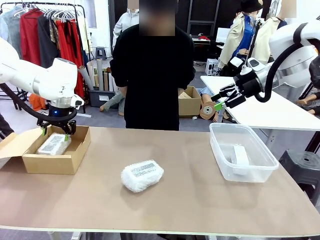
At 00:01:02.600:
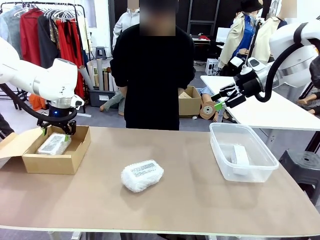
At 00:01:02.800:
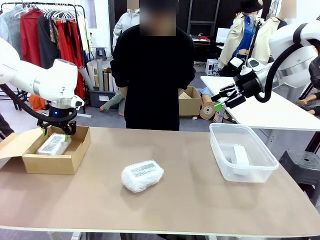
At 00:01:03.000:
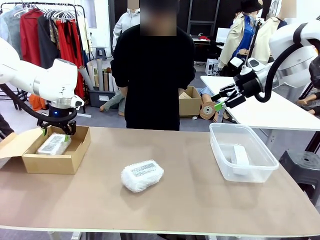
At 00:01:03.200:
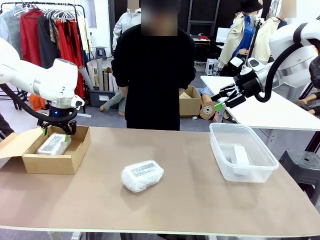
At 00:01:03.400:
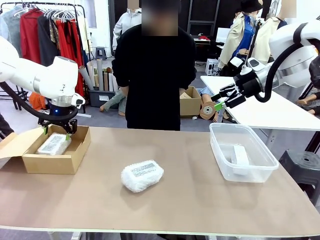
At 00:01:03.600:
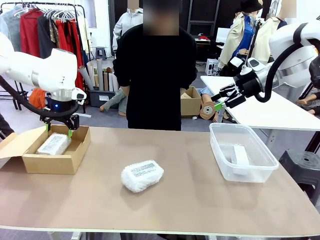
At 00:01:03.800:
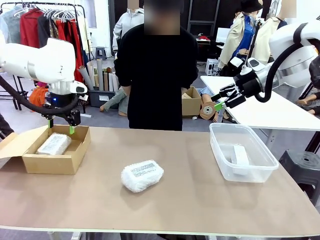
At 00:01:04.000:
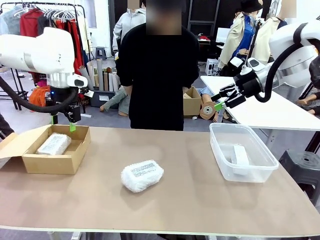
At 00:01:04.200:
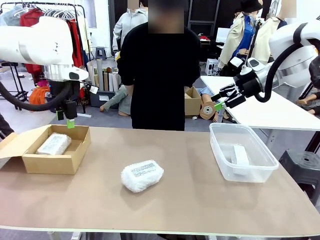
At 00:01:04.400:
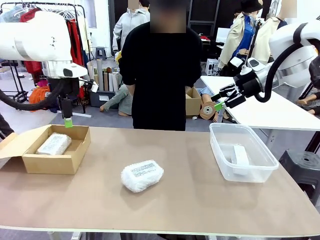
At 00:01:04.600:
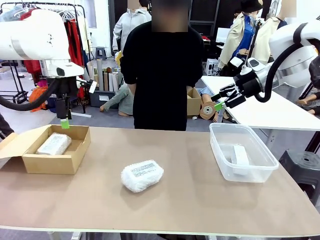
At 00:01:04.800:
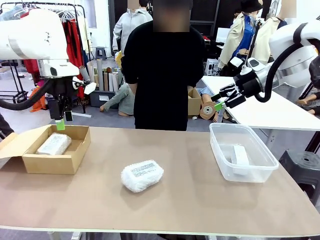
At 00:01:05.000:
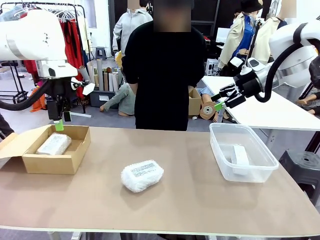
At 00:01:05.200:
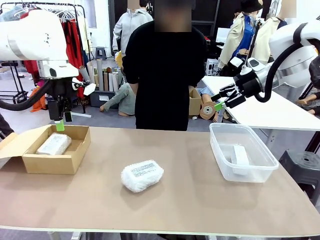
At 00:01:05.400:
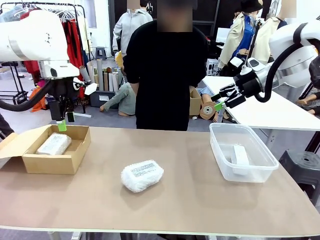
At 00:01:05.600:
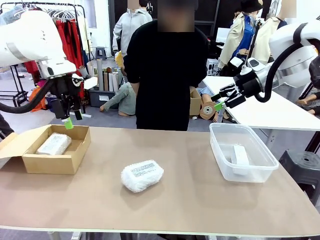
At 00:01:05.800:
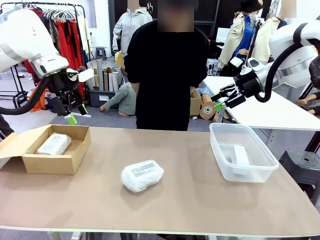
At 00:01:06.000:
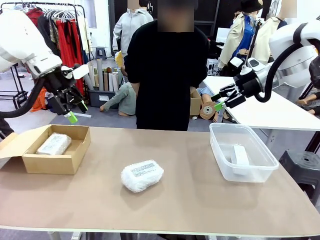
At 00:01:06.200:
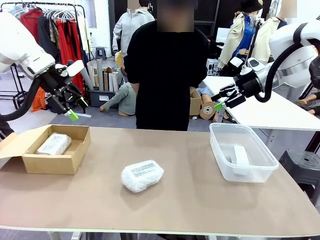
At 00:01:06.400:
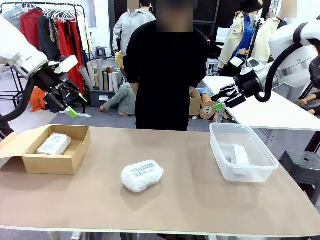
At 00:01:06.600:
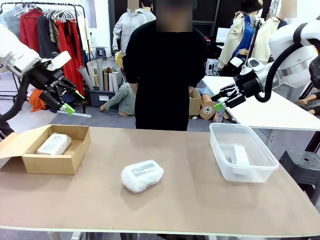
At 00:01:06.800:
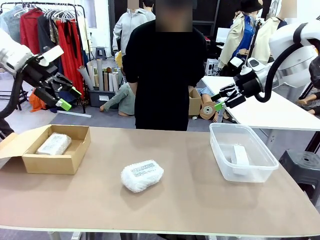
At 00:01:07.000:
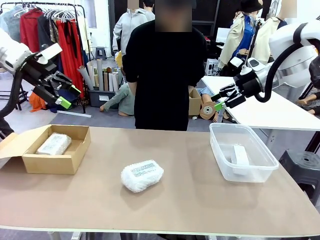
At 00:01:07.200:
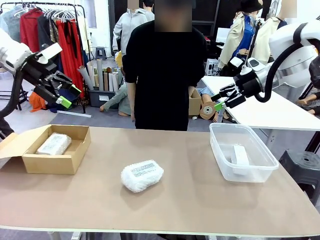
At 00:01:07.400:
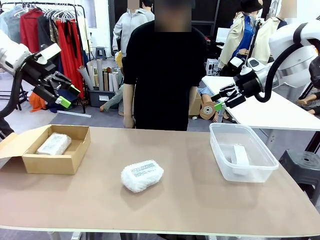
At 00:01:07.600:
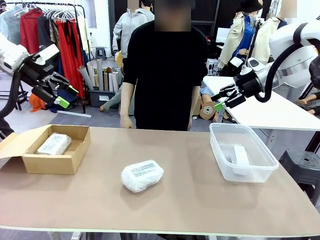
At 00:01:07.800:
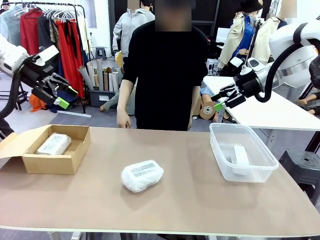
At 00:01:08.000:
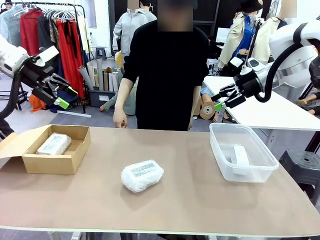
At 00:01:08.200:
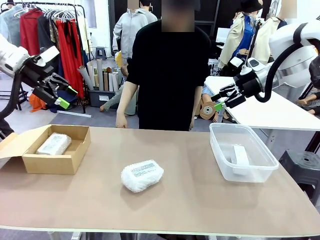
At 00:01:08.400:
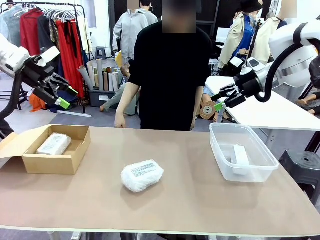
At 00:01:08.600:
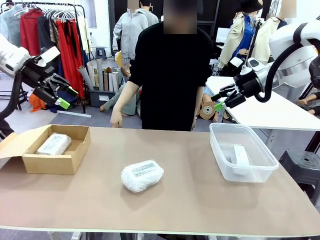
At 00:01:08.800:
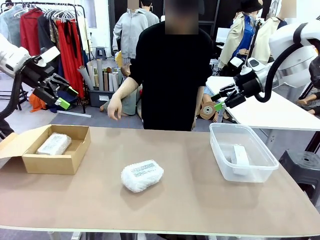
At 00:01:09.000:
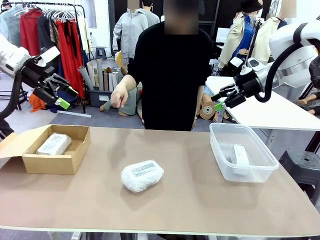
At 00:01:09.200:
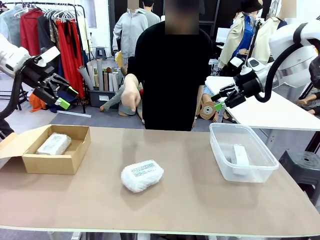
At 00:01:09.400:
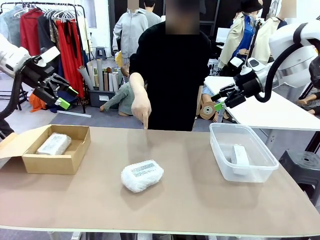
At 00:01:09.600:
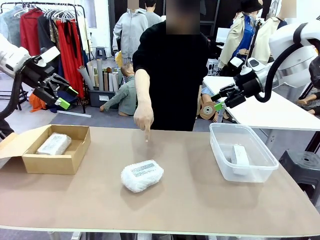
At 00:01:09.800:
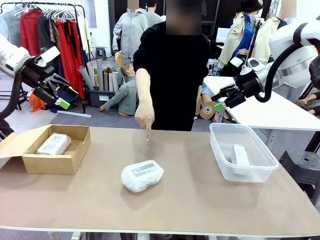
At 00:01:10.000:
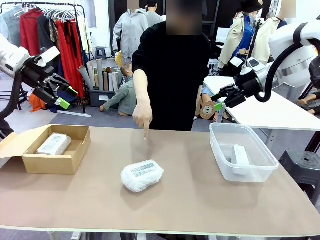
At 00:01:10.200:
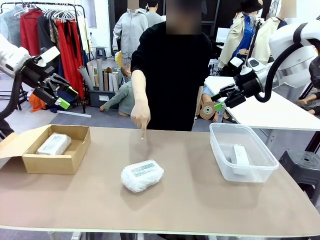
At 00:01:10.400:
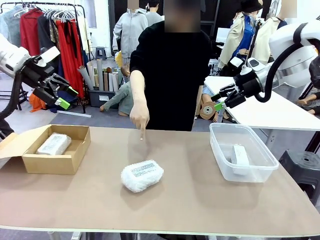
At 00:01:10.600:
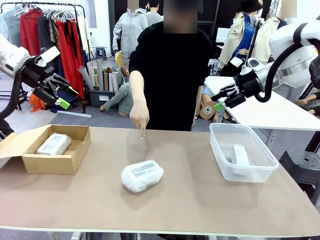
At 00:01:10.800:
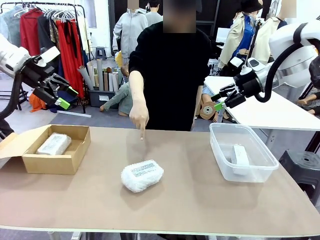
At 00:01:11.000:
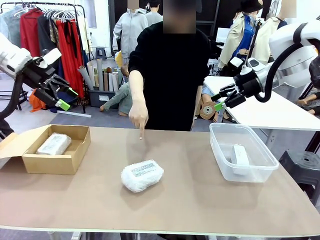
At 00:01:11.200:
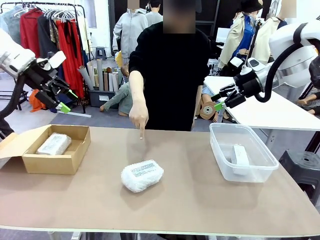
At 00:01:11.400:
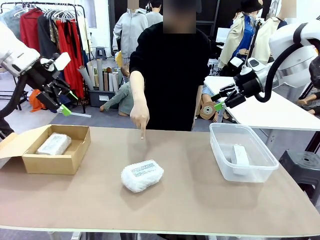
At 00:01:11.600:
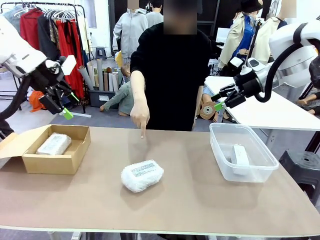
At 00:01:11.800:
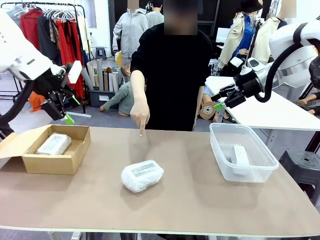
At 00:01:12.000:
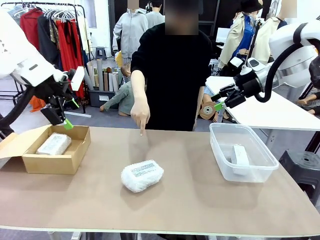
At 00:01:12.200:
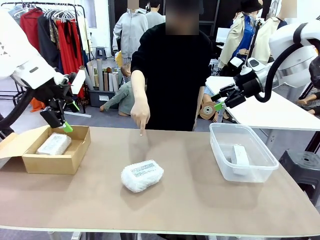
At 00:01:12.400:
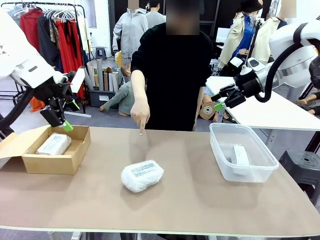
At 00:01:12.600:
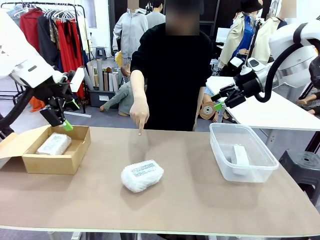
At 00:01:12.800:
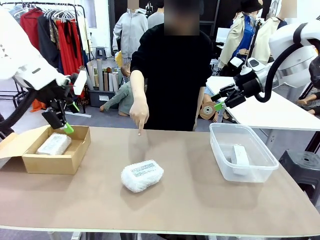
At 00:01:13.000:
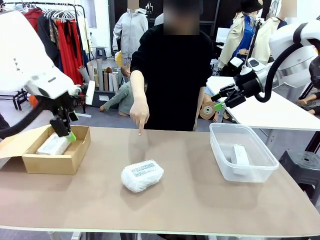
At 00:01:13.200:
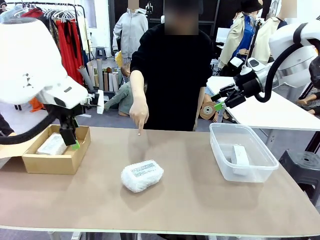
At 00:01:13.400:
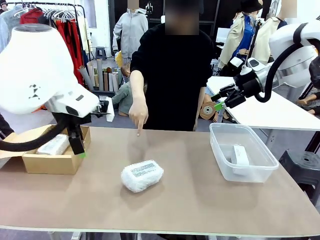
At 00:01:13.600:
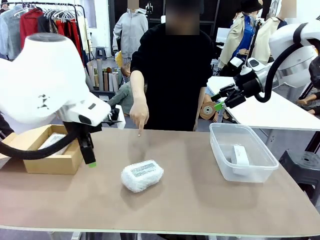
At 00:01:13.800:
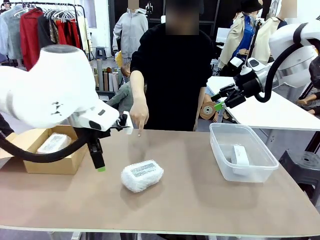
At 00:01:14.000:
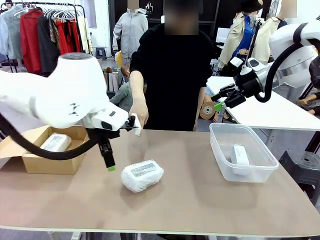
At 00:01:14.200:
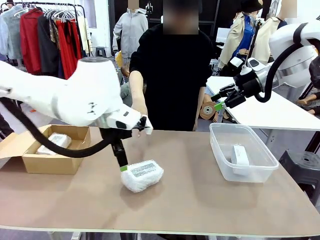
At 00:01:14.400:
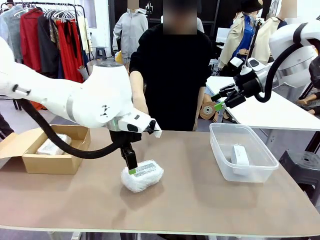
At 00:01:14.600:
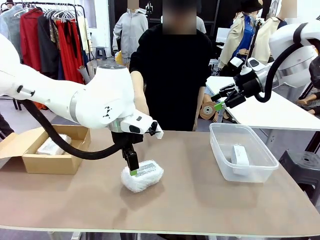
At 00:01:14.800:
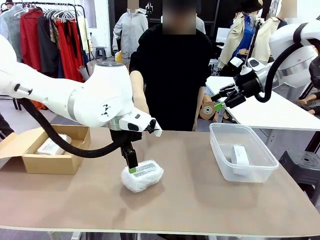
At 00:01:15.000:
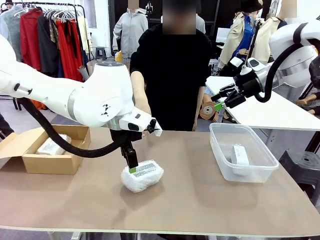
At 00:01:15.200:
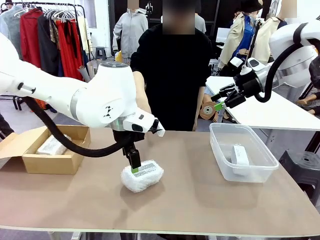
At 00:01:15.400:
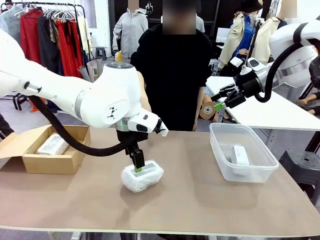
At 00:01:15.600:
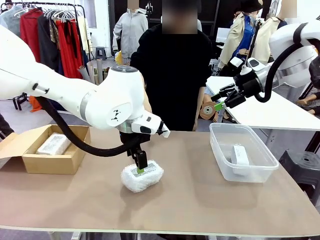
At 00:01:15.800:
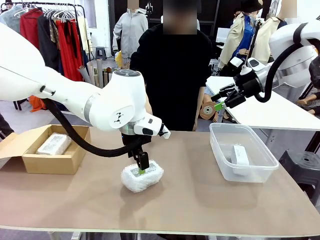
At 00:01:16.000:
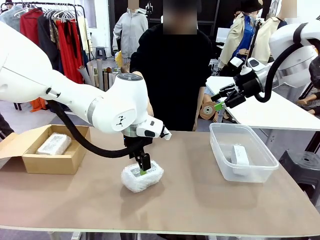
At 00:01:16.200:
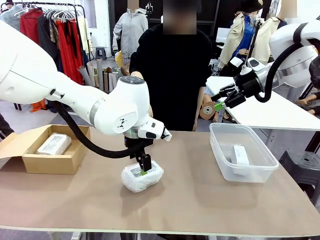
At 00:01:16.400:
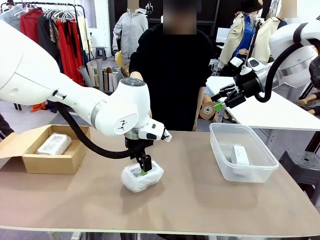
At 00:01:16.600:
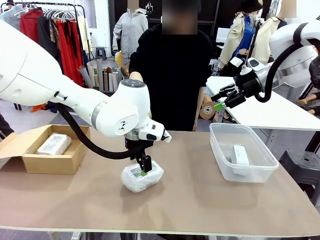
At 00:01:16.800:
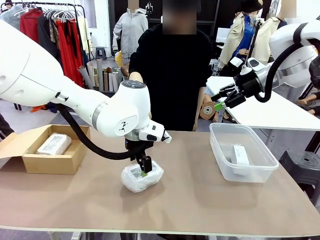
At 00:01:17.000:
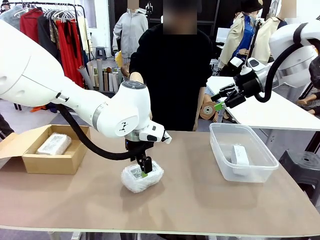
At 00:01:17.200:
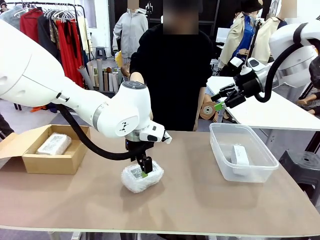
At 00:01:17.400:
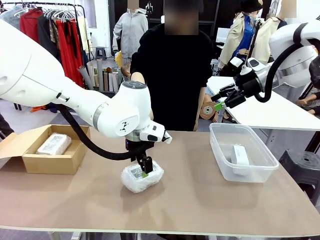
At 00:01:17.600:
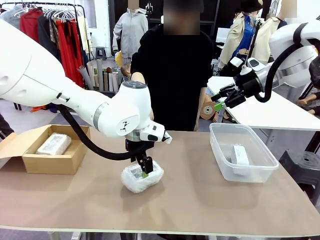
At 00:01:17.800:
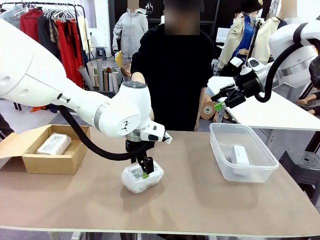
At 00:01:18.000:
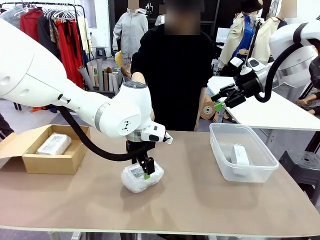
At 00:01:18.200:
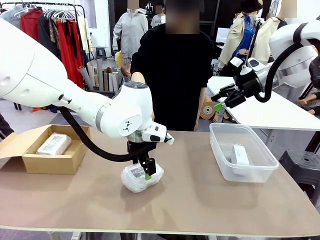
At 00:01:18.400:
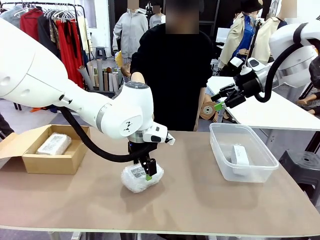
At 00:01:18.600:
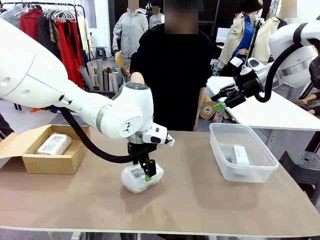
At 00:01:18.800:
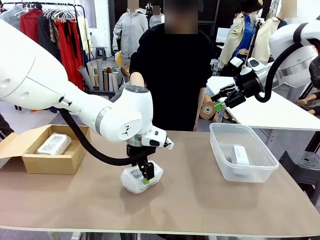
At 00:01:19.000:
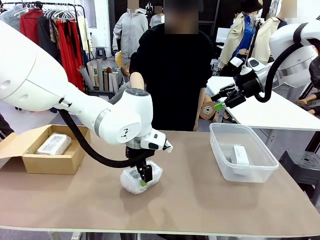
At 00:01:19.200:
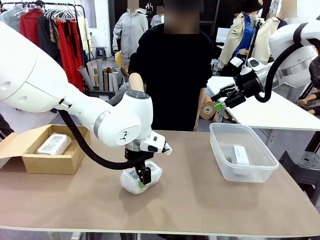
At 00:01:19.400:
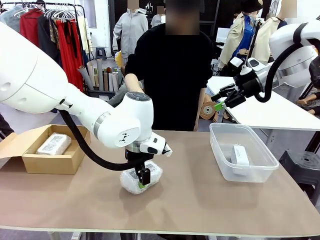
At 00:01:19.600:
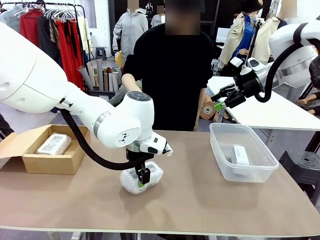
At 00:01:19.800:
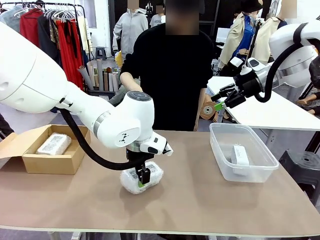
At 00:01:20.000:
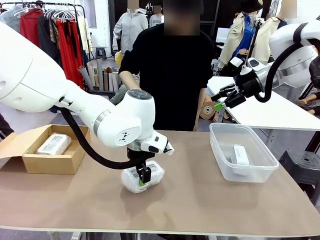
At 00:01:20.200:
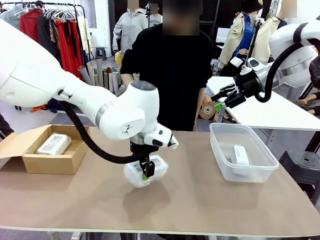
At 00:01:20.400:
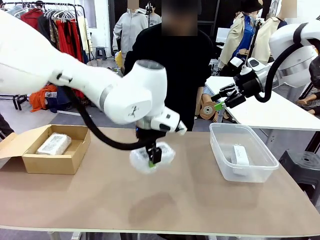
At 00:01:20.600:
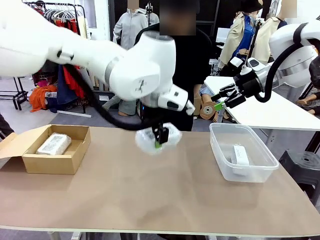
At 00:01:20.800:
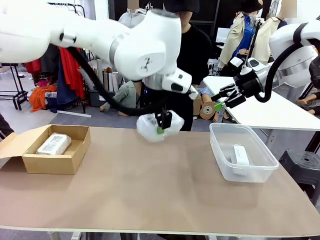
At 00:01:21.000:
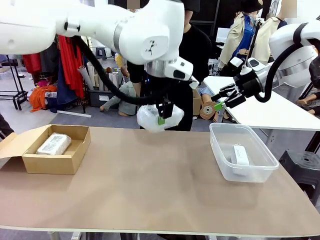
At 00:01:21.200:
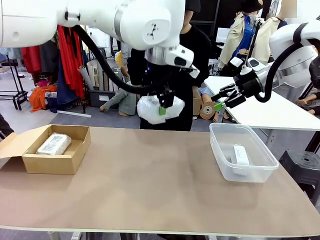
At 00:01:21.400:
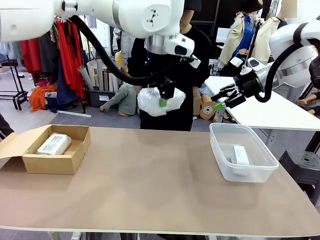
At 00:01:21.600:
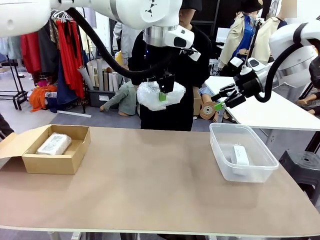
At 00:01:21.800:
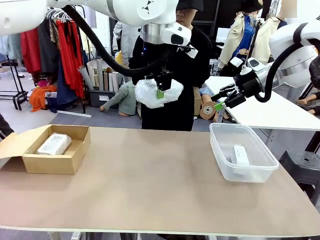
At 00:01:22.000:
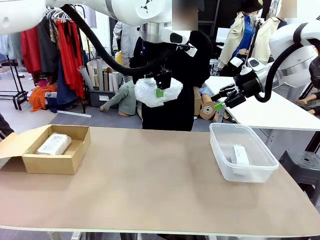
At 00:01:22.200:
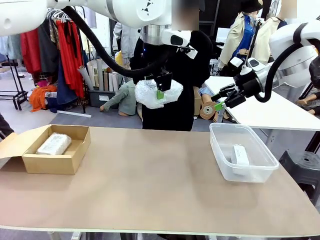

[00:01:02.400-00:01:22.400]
Task: Separate and place wrapped and unwrapped clocks.
Robot: Pick up the Digital clock indicated by the person.
